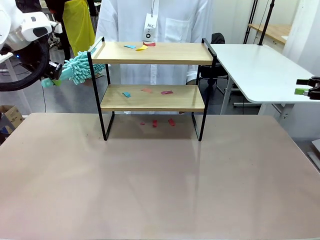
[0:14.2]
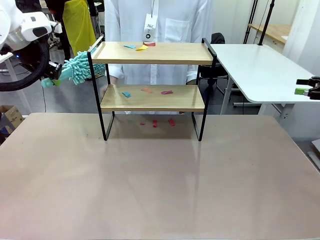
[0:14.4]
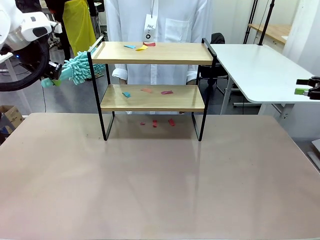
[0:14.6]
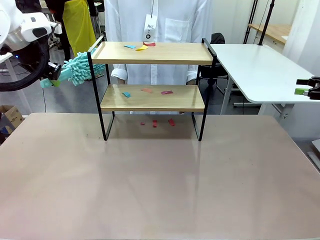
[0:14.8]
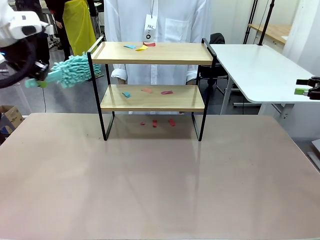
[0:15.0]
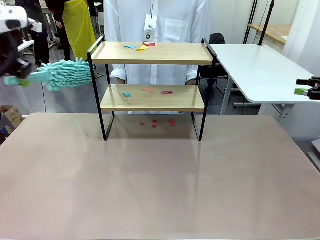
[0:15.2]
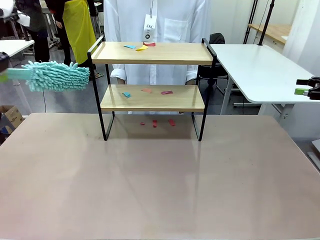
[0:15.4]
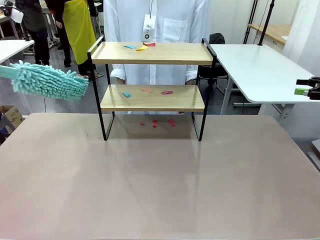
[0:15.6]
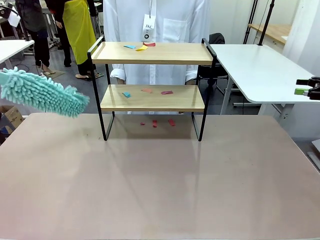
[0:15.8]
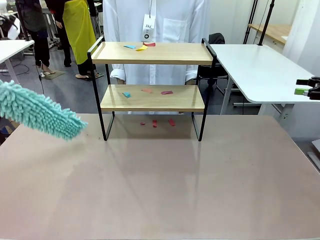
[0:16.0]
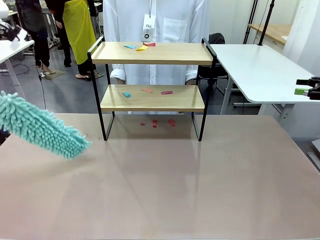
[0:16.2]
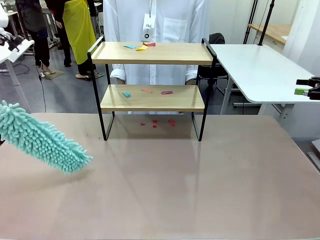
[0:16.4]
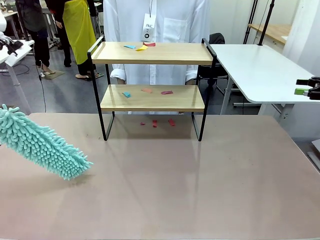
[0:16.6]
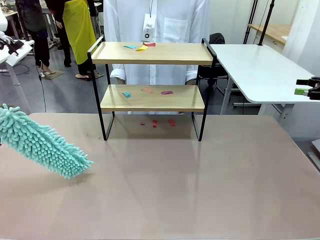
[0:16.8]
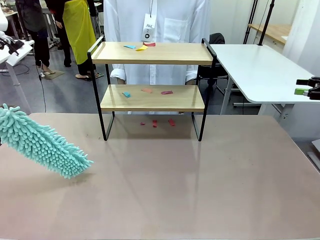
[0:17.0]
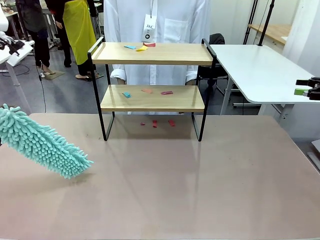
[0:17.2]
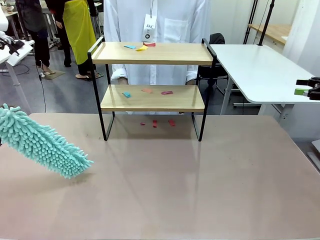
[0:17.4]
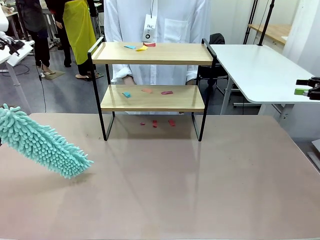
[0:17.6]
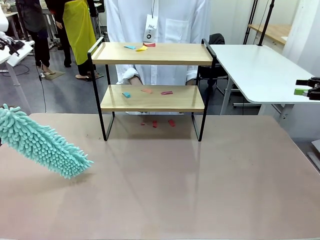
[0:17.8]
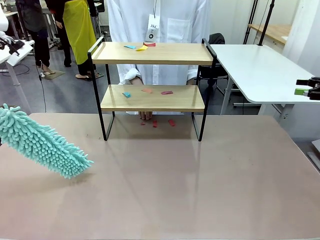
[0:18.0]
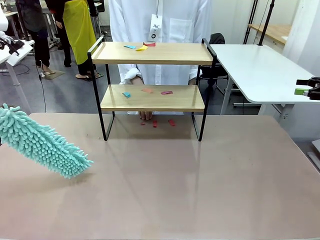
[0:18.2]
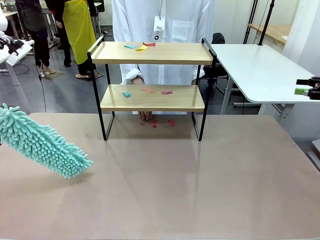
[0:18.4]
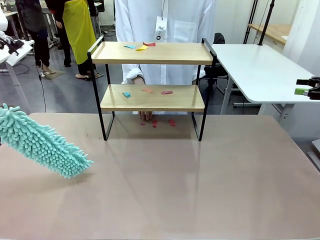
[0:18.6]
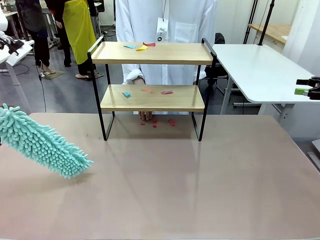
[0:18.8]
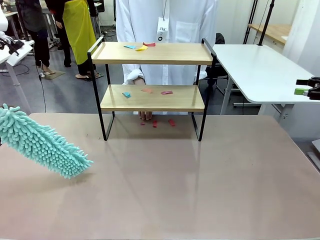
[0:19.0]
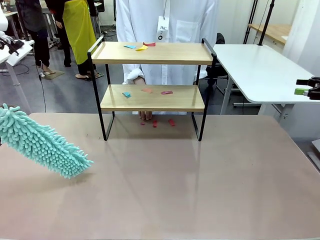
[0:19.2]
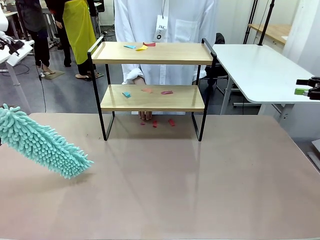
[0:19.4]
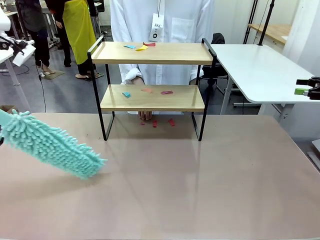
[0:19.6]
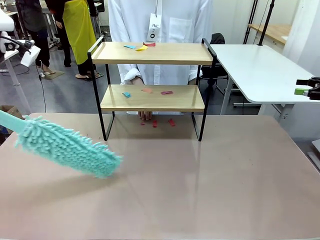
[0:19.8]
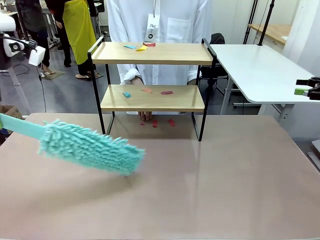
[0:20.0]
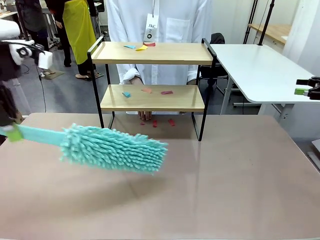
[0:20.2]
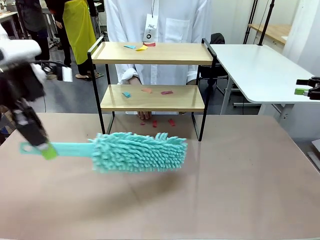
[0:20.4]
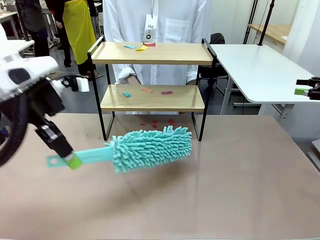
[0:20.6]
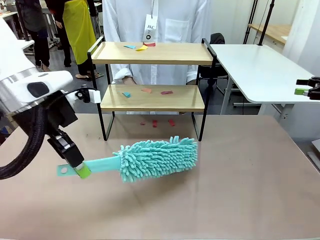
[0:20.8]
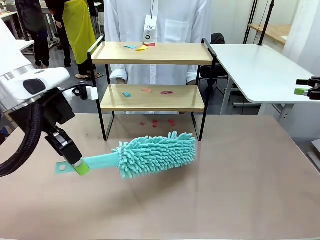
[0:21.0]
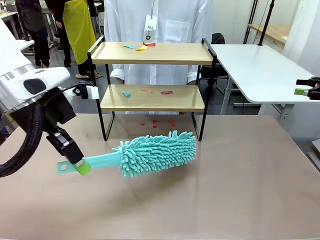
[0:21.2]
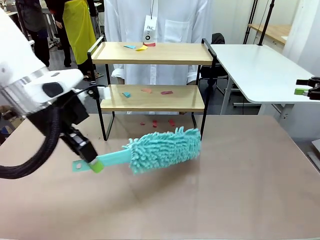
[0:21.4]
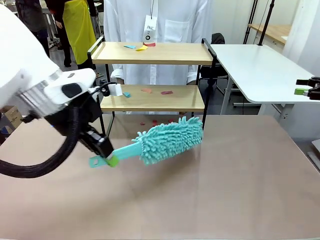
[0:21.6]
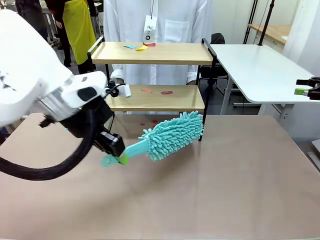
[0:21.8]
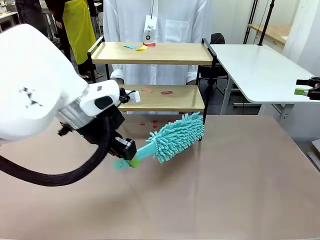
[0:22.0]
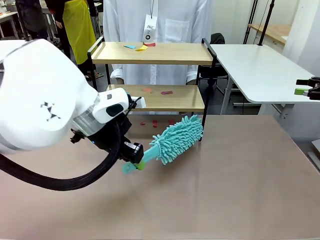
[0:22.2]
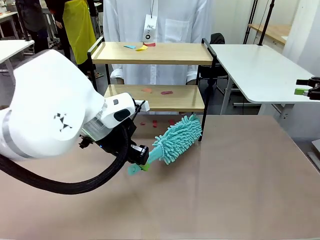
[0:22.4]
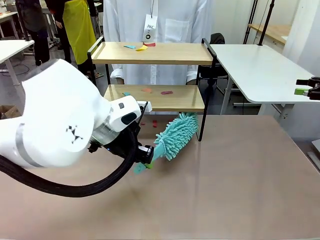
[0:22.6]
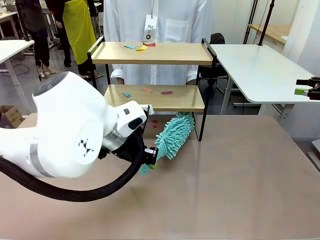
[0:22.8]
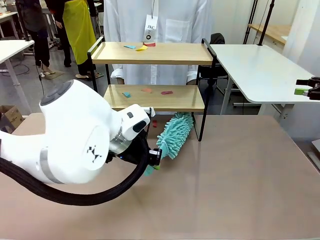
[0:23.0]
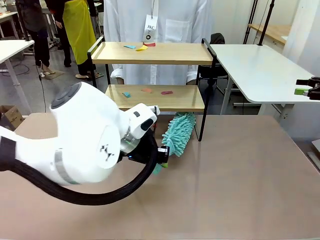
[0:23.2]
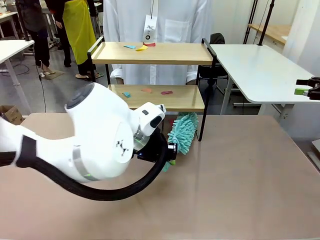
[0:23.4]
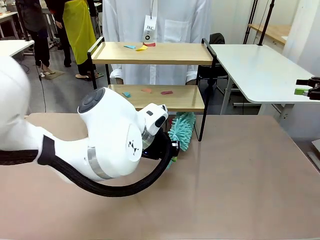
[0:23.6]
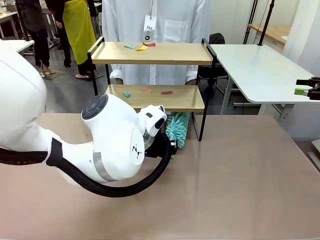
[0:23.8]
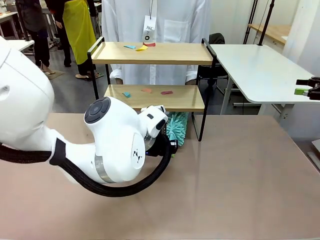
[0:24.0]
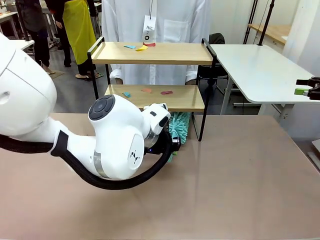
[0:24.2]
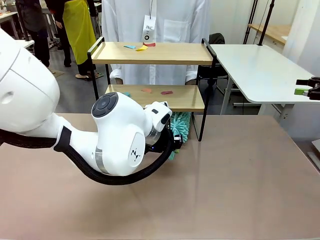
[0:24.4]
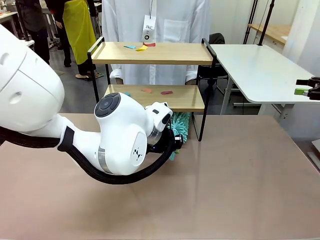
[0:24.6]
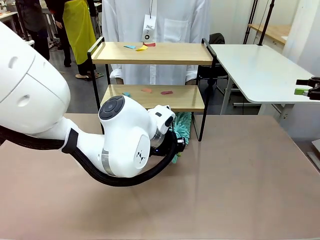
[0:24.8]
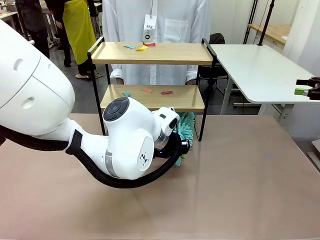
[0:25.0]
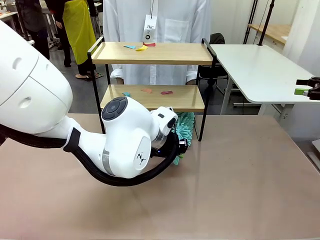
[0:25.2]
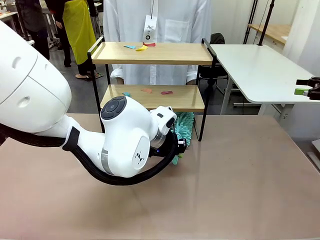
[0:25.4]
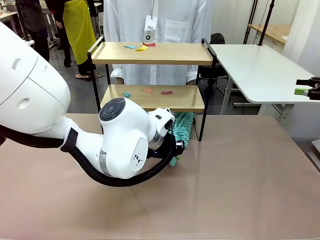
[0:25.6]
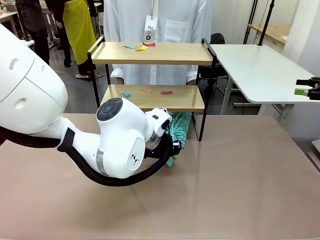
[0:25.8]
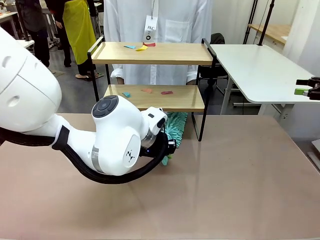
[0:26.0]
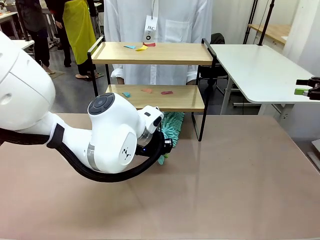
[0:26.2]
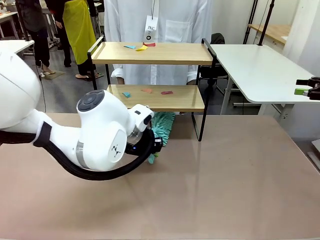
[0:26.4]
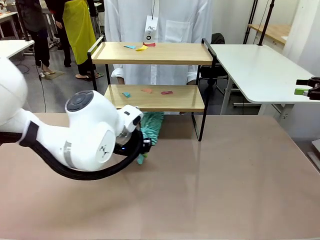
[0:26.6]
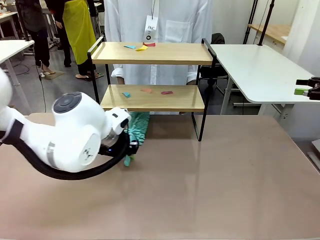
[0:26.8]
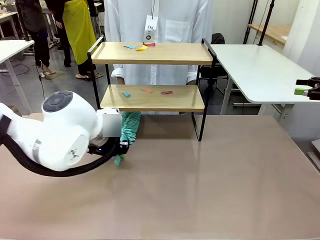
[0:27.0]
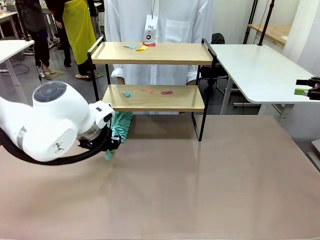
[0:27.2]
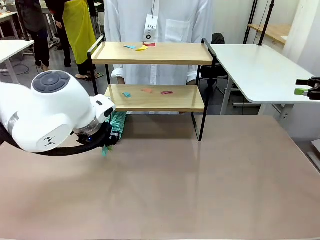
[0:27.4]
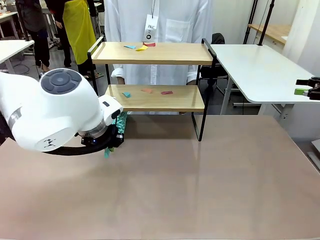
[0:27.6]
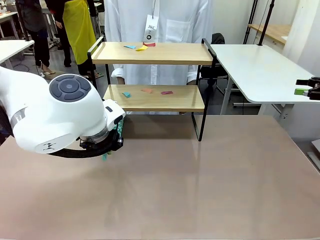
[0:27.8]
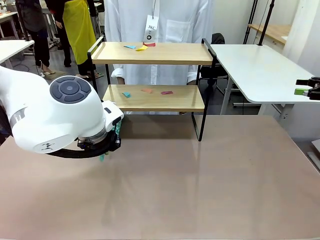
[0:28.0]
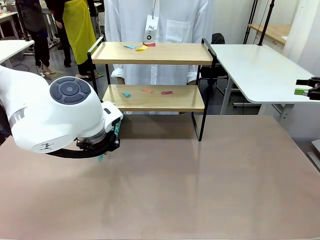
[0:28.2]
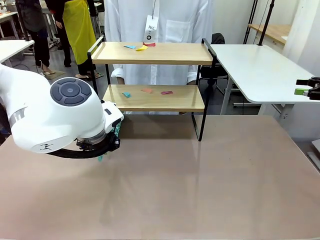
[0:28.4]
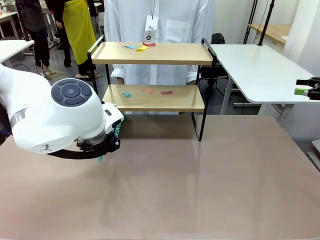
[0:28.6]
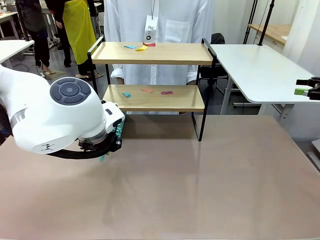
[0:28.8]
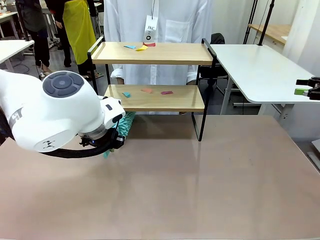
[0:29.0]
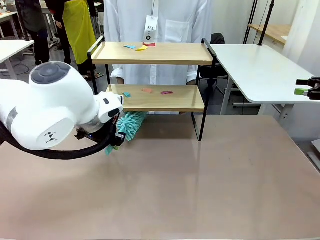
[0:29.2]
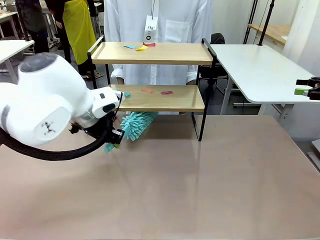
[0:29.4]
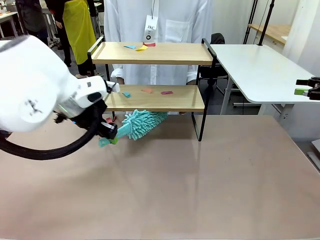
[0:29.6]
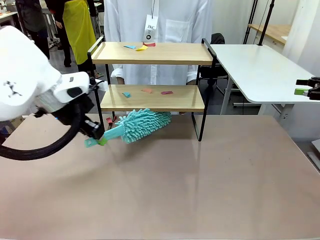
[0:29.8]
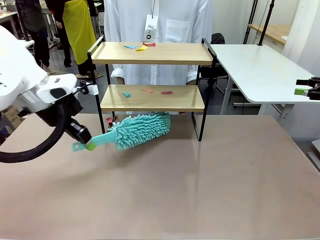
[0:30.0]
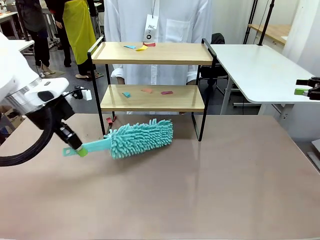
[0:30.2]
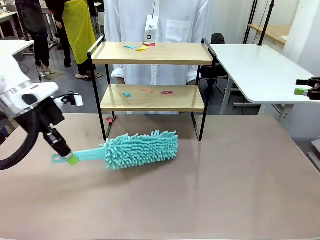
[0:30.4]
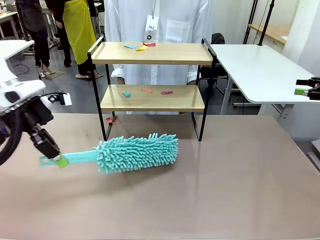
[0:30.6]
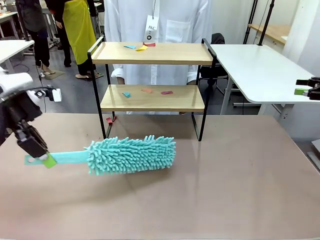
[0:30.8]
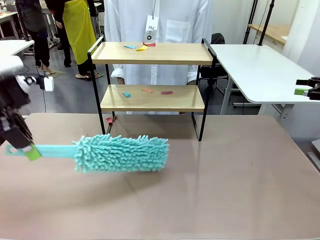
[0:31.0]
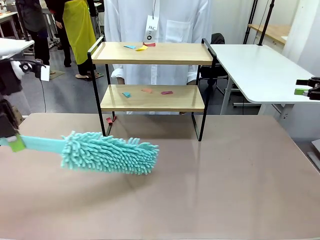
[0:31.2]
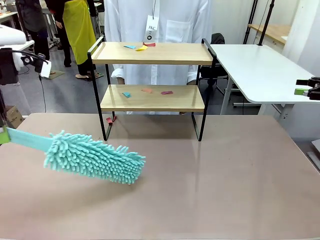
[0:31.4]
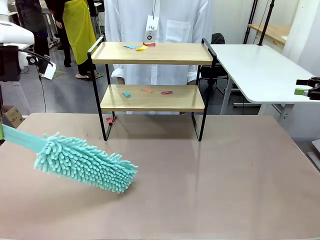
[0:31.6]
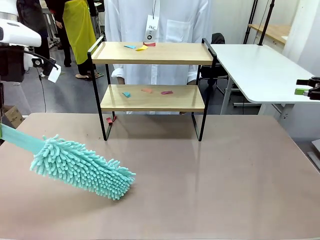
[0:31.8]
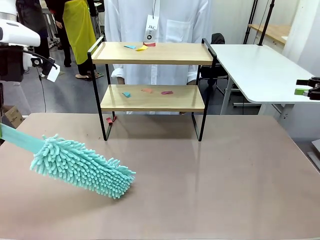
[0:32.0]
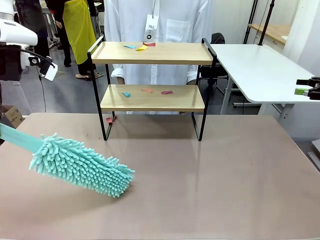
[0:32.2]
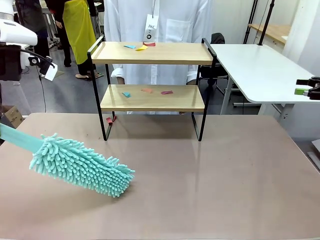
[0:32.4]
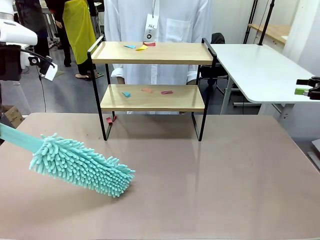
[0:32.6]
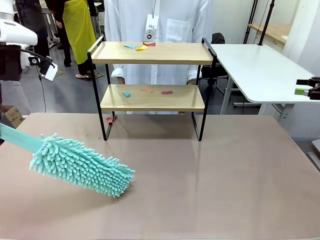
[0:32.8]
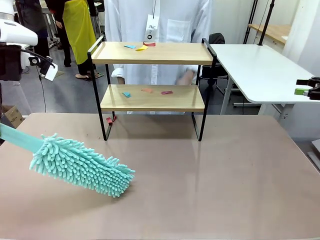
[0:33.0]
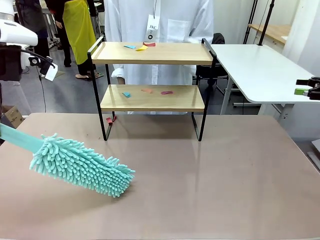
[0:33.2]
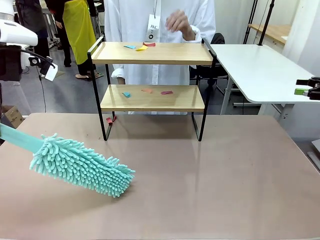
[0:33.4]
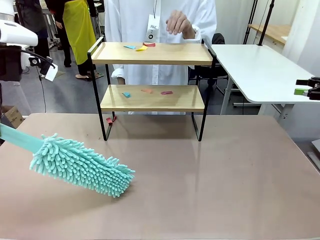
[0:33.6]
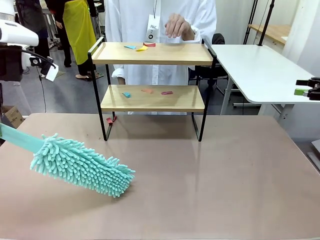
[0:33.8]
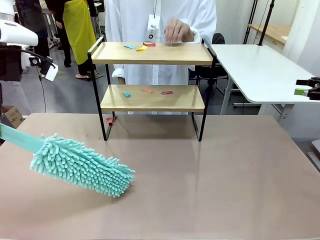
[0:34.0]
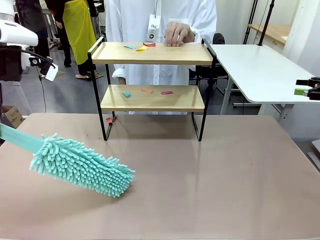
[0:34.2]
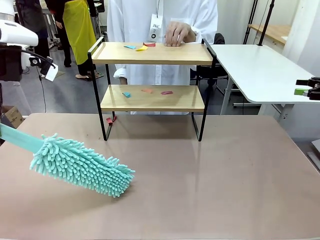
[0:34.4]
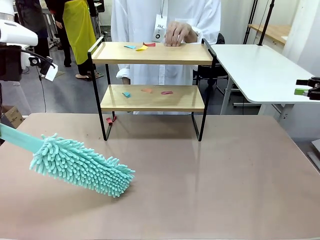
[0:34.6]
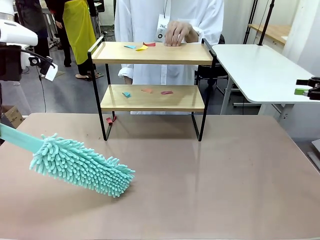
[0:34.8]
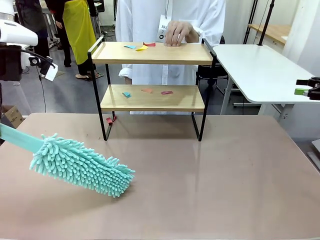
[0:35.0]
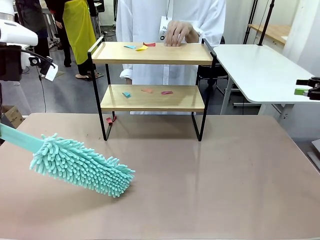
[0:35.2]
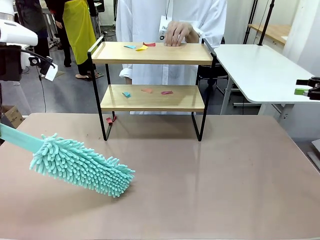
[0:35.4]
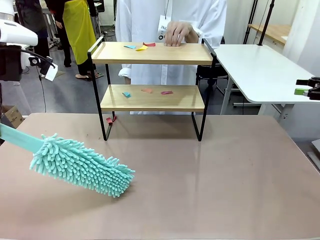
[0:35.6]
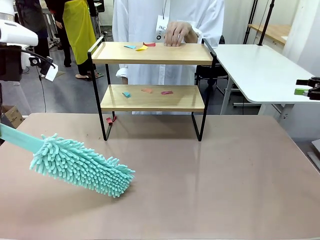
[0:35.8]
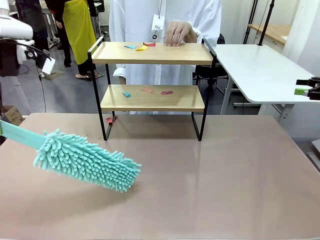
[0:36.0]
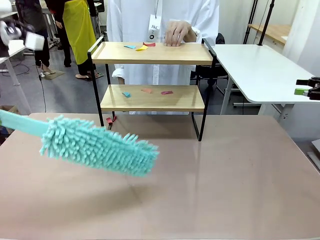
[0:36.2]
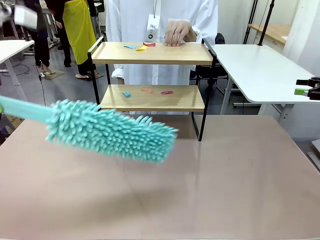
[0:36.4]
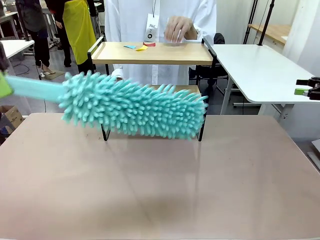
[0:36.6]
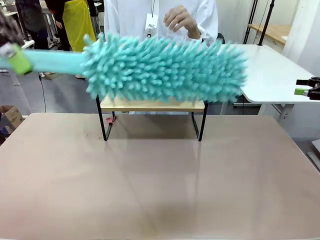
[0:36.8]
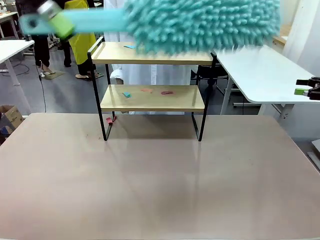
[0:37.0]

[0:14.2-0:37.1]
Task: Clean the shelf.
Robot: Clean the specific section of the Shelf indicated by the human with the Duster.
Person: Point a random section of the Shelf.
